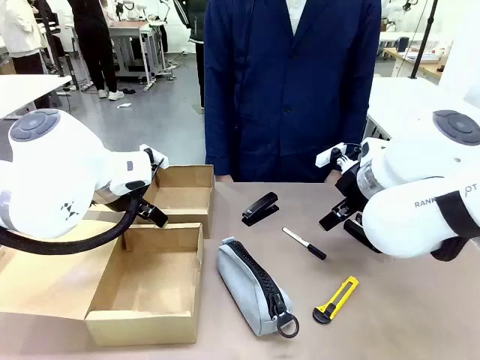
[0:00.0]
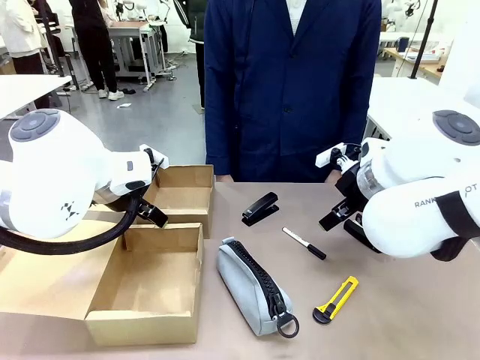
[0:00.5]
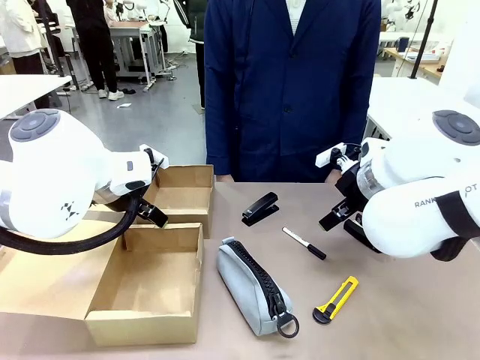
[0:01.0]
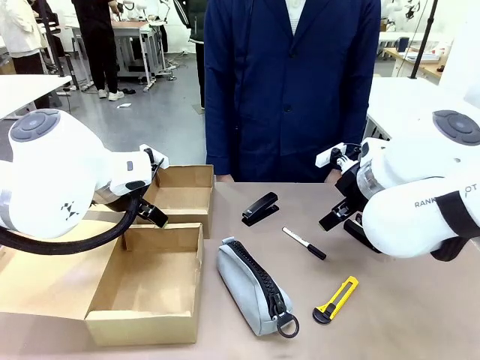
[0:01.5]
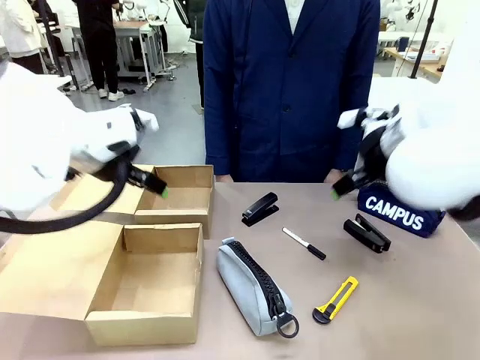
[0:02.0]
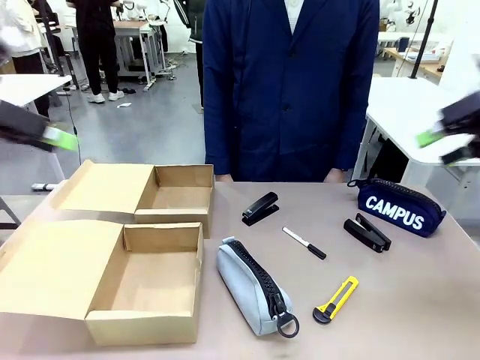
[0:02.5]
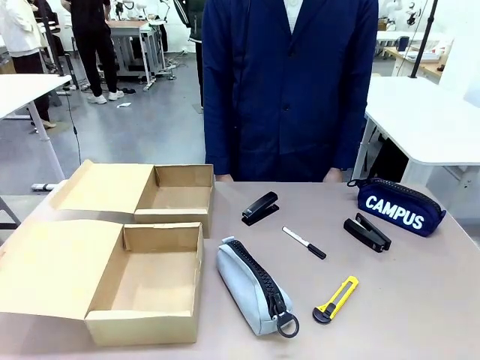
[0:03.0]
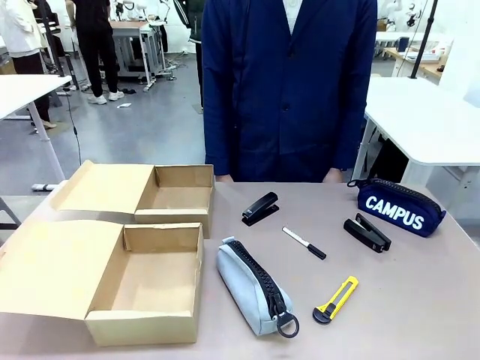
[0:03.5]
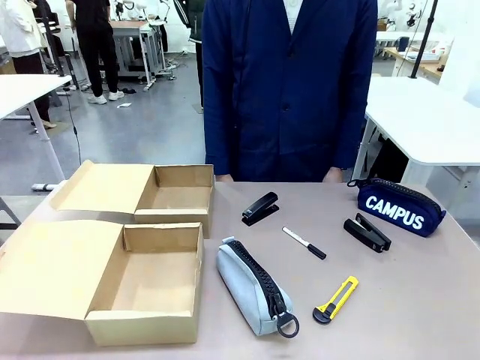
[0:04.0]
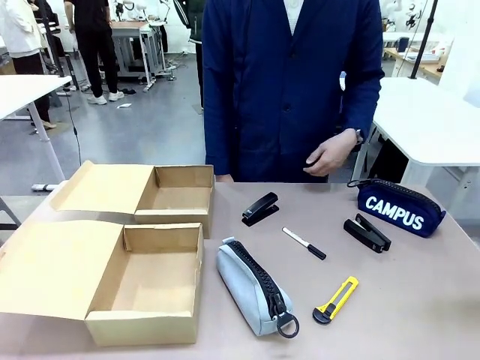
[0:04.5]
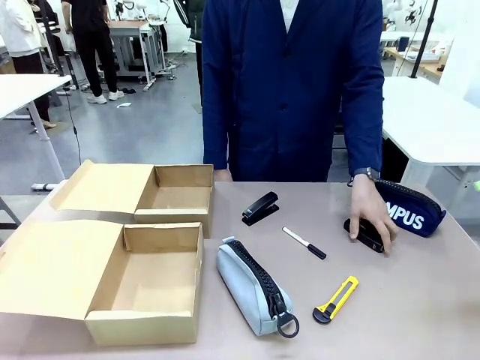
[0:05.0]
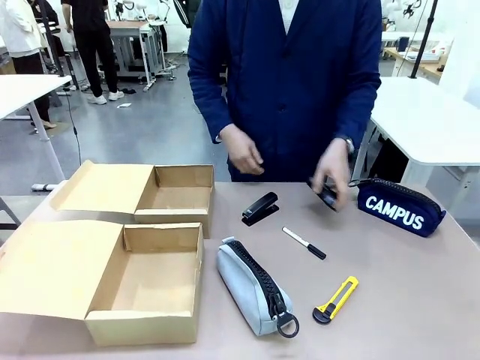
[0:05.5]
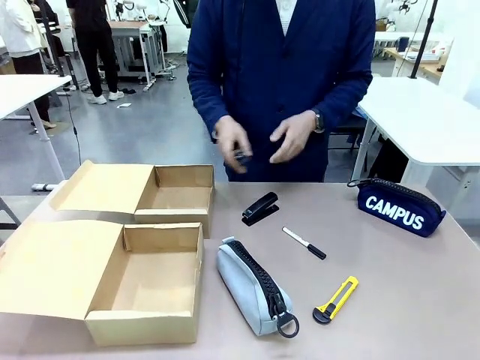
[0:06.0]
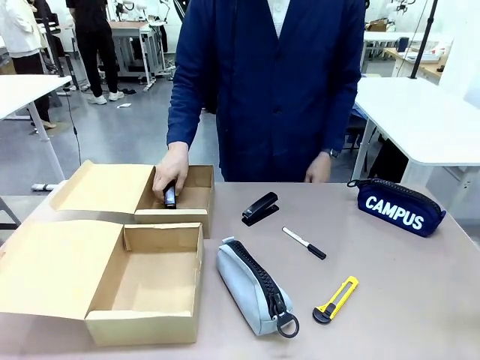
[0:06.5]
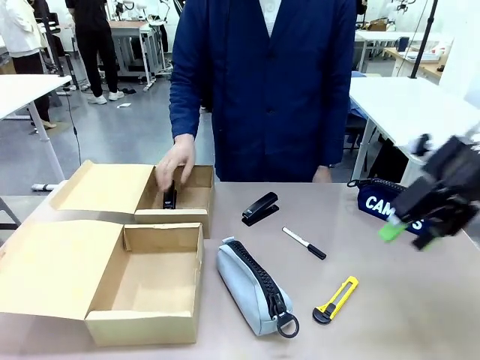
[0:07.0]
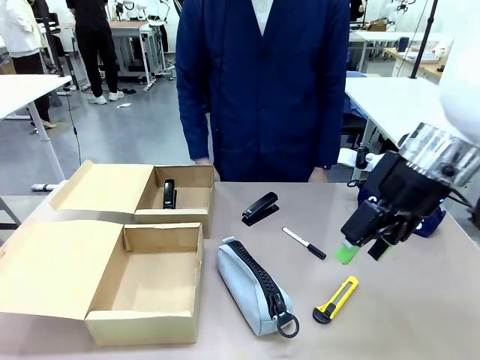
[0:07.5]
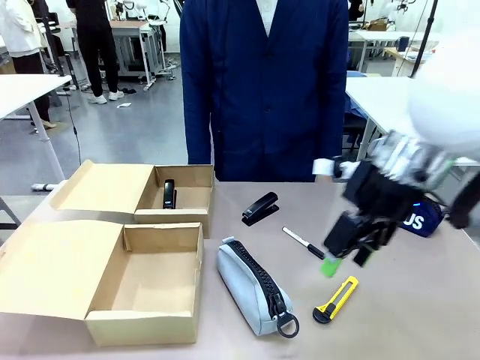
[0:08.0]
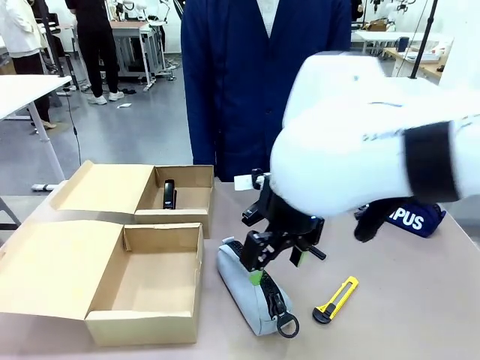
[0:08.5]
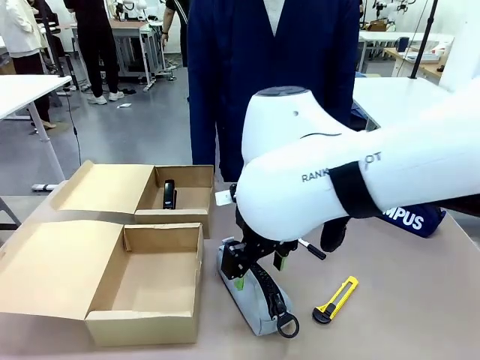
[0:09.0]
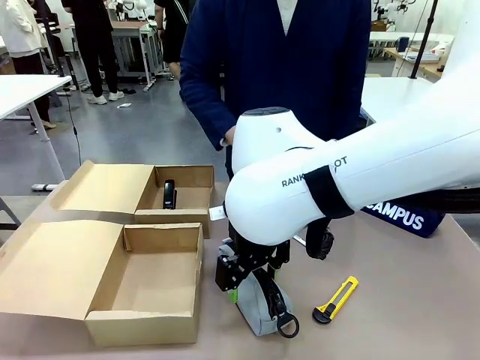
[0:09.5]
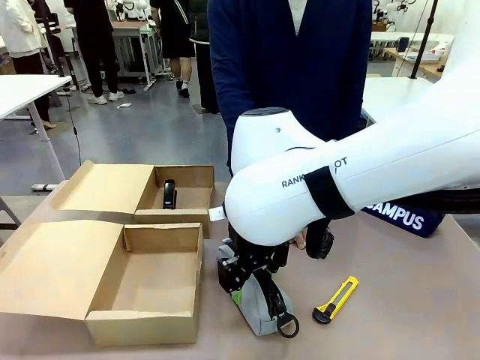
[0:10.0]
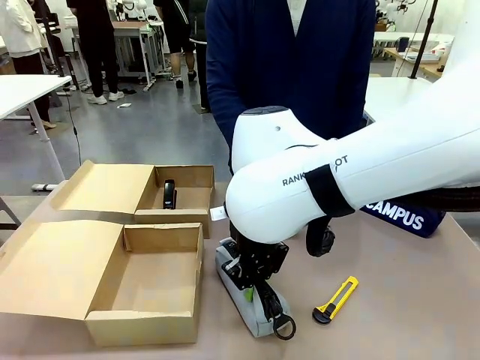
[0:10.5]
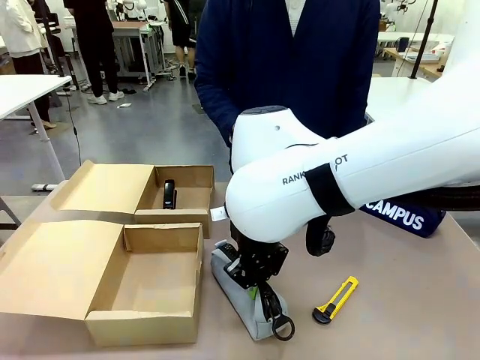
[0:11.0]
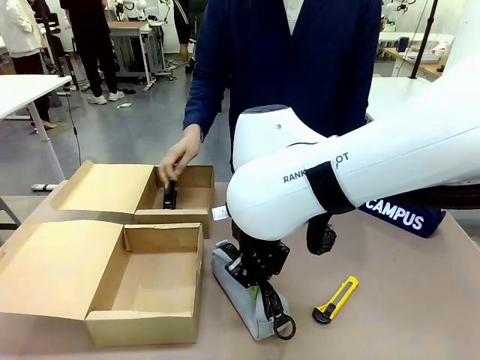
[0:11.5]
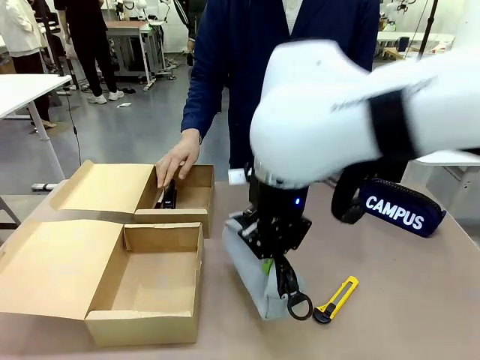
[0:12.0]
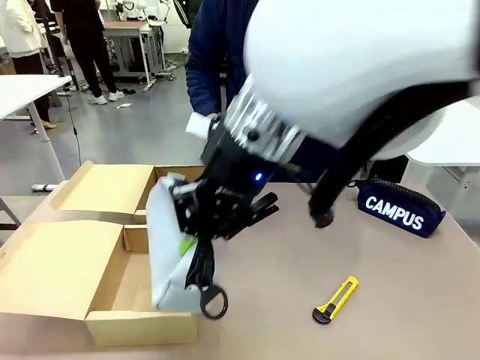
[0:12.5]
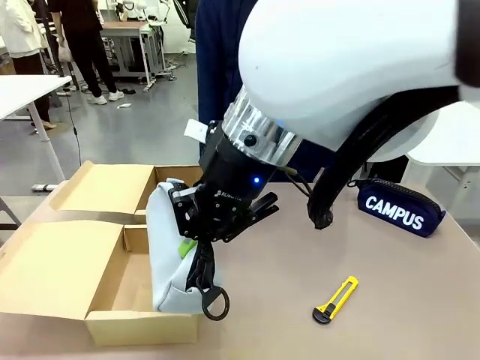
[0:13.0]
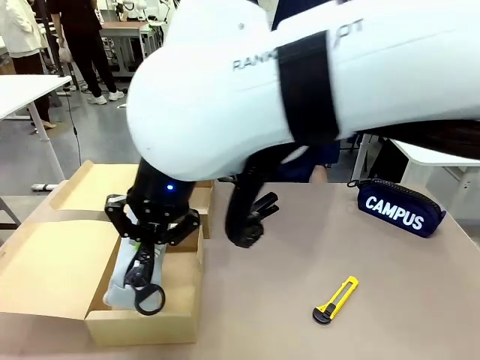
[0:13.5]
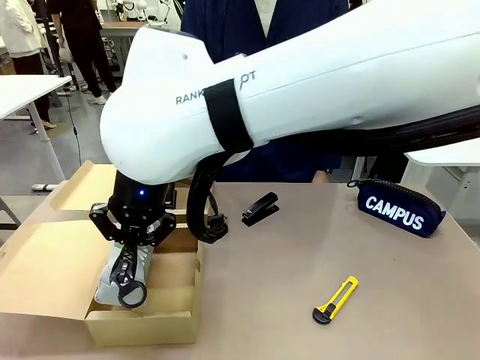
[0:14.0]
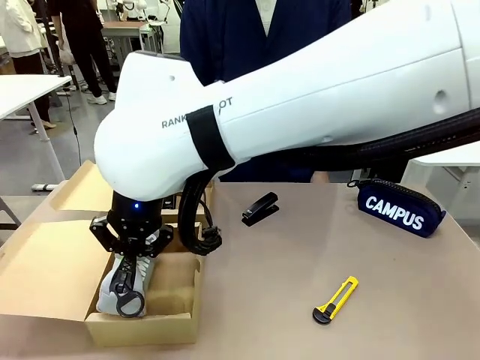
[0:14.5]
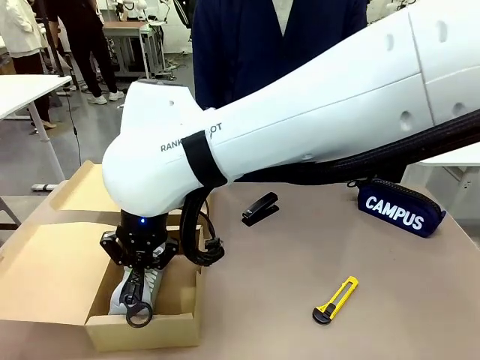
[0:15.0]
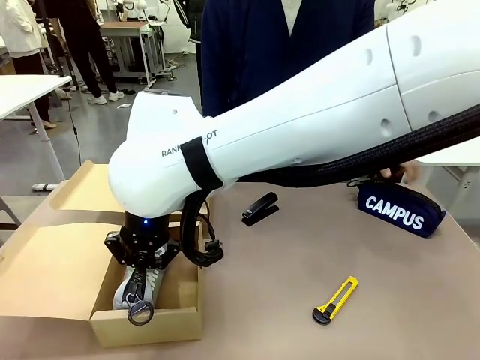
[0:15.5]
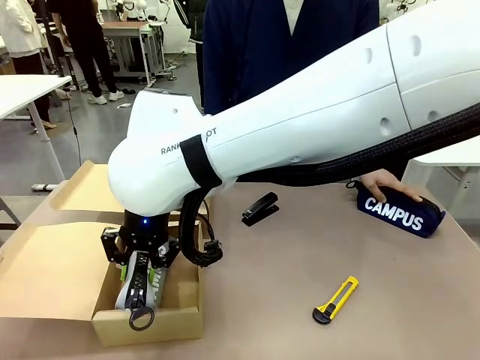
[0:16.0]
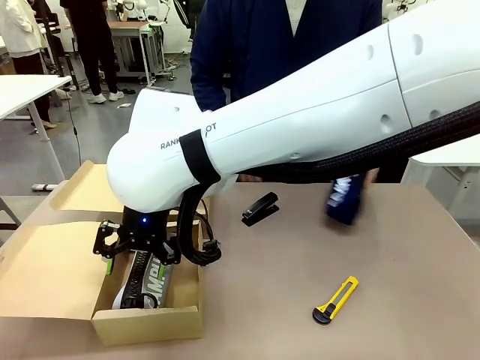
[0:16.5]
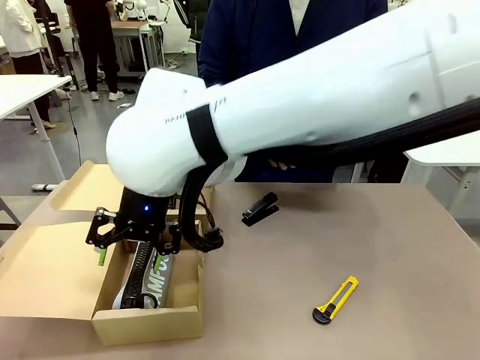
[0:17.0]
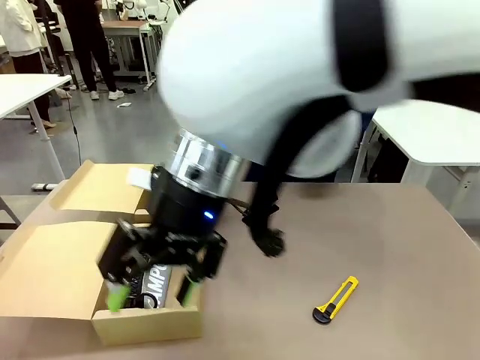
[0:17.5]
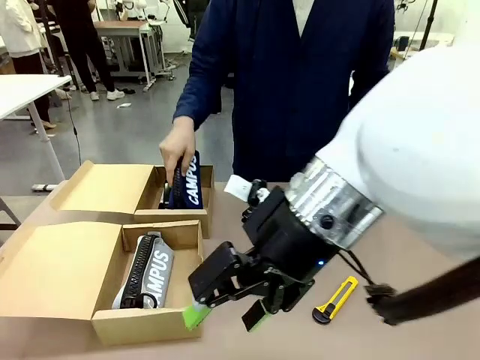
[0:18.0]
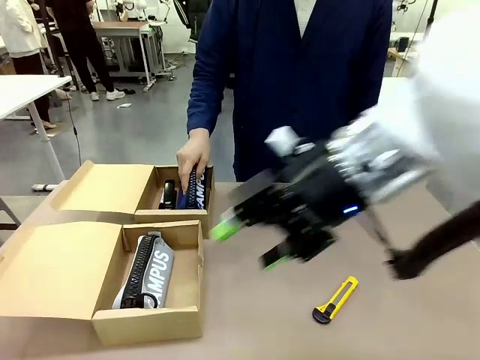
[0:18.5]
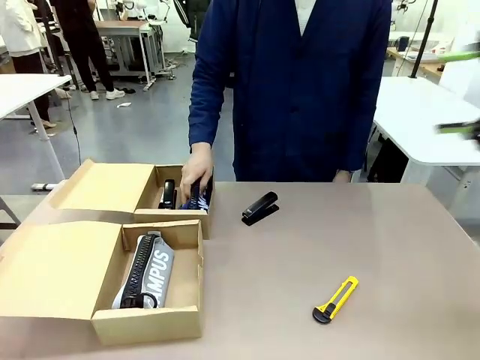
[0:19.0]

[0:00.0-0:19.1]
Task: Place items inside the box.
Robot: Pick up a Pencil pouch or Stapler and place it inside the Mailer Box closest to the robot.
Person: Pick up an object on the table and put it in the box.

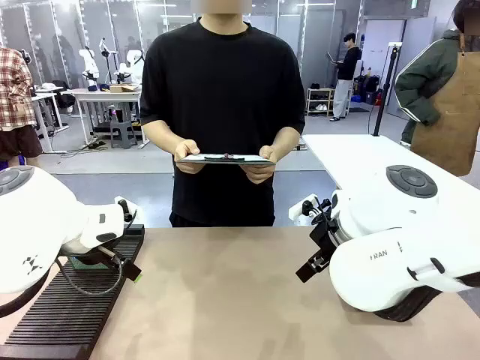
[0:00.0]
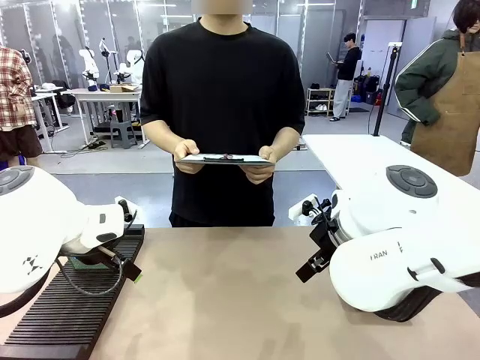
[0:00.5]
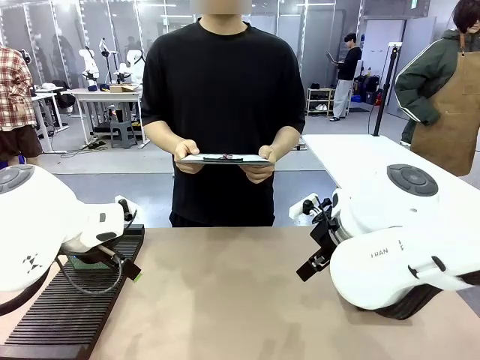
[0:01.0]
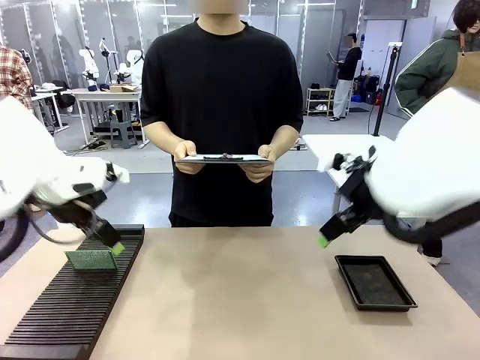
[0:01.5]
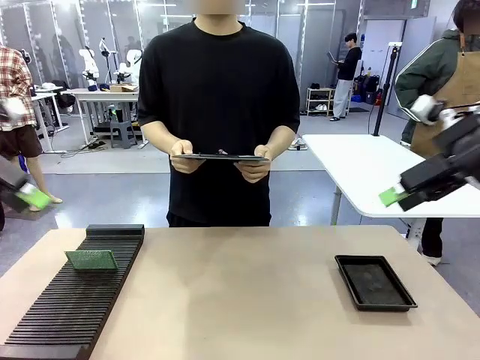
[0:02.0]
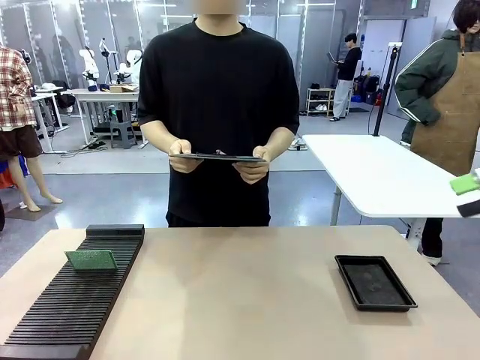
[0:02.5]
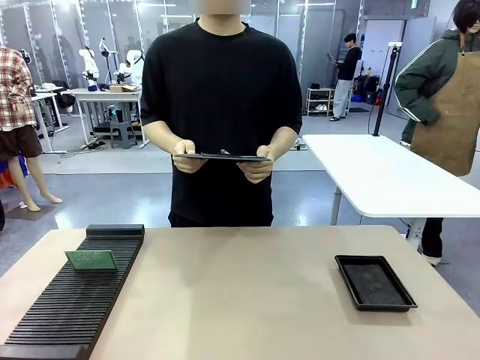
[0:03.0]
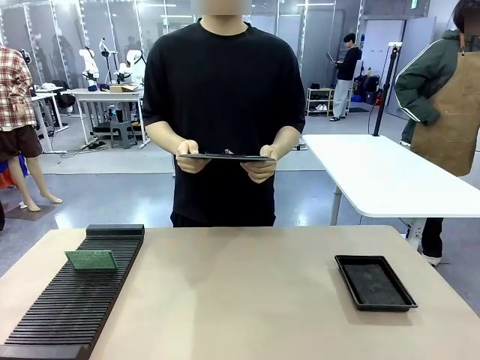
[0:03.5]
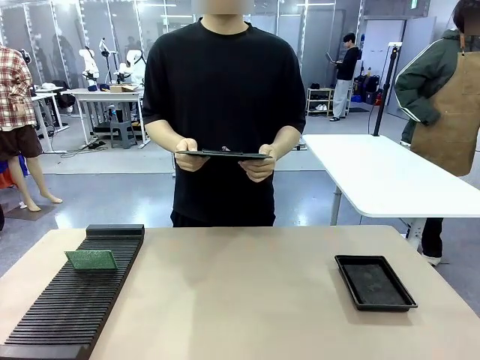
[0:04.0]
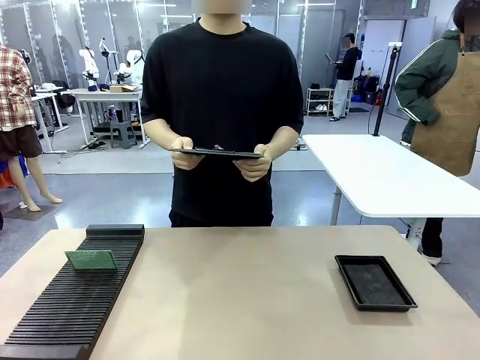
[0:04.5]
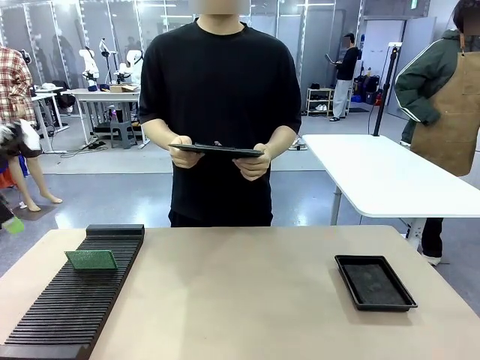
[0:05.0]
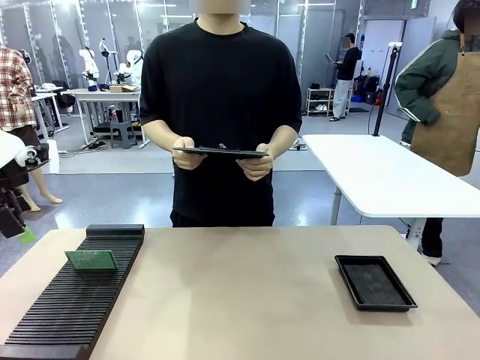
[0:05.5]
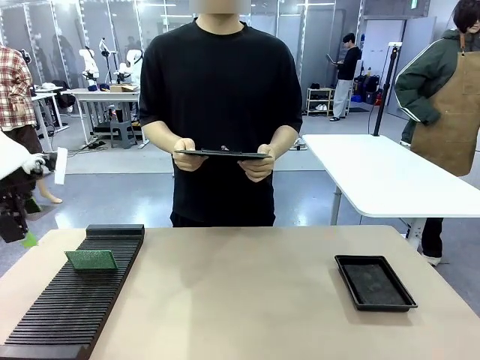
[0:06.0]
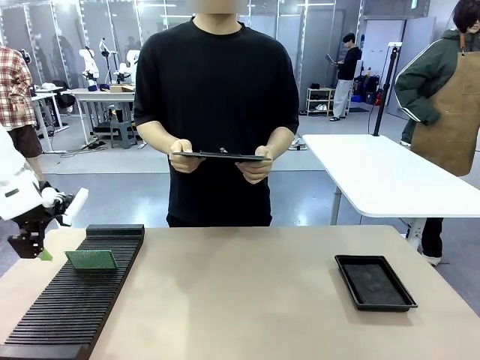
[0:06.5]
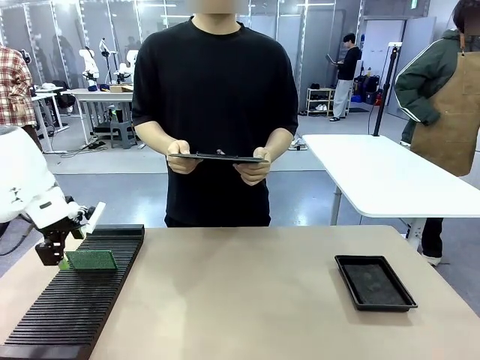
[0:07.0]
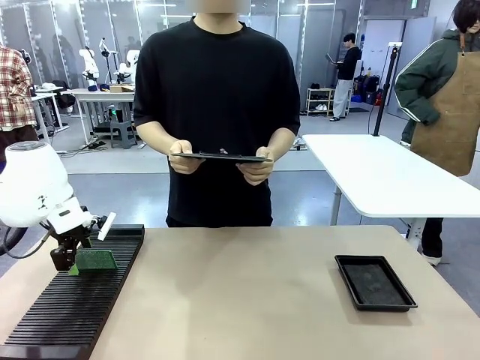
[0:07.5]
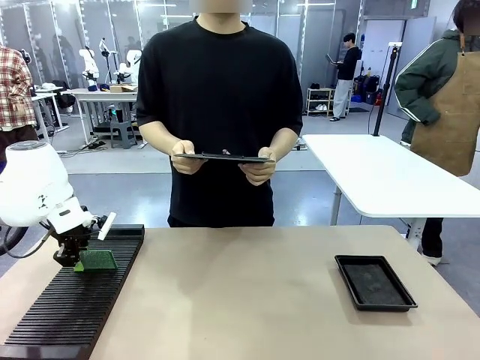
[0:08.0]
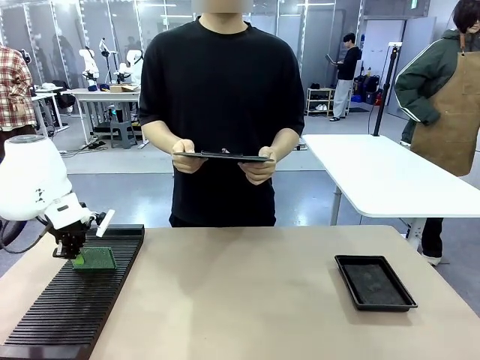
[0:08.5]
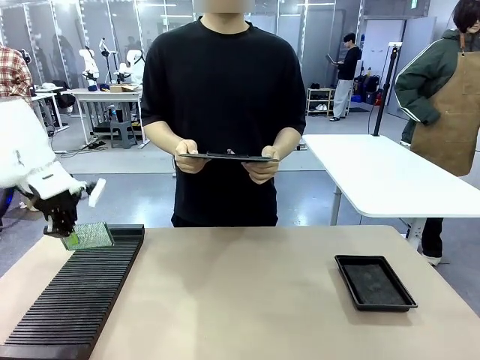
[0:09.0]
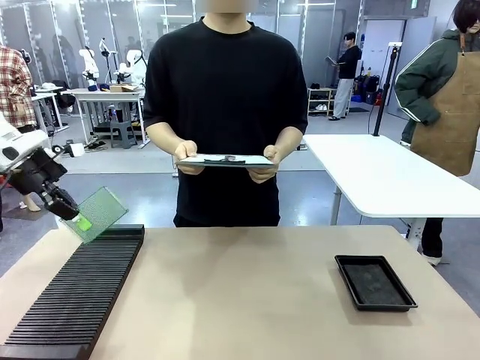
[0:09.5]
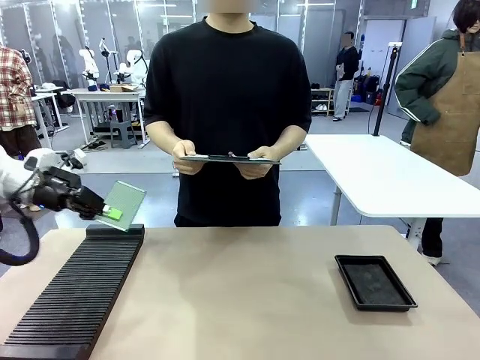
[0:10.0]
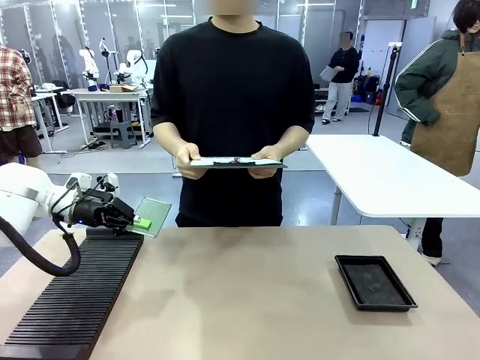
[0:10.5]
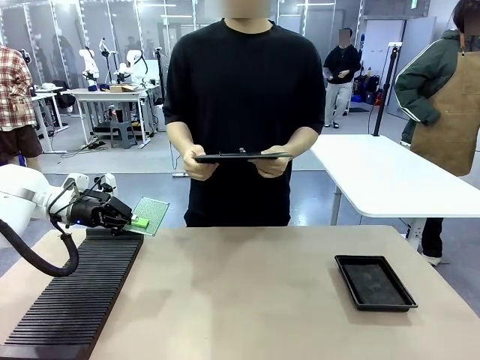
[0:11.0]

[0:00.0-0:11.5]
Task: Inspect the PCB.
Robot: Pick up the Blank PCB and present it to the human.
Person: Pick up the PCB presented by the robot.
